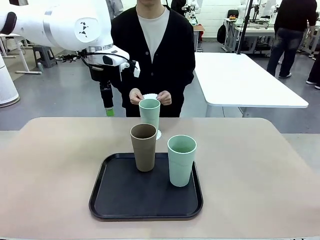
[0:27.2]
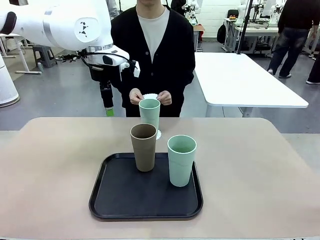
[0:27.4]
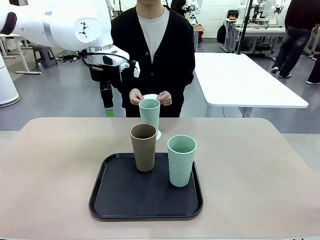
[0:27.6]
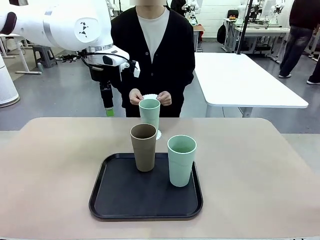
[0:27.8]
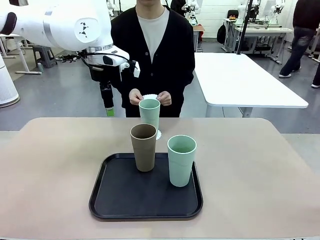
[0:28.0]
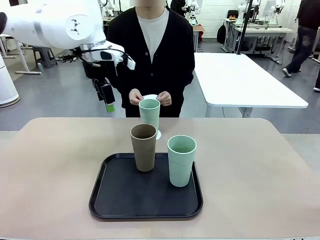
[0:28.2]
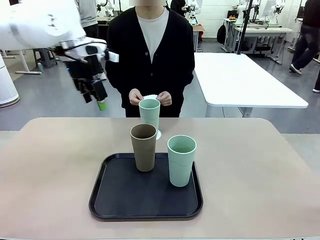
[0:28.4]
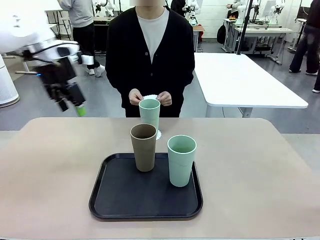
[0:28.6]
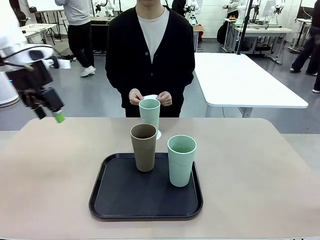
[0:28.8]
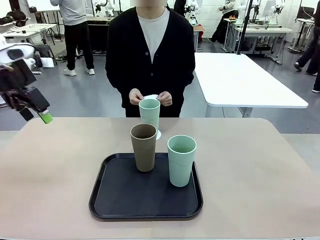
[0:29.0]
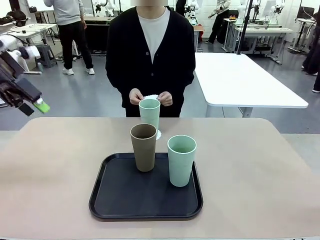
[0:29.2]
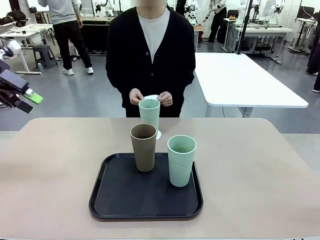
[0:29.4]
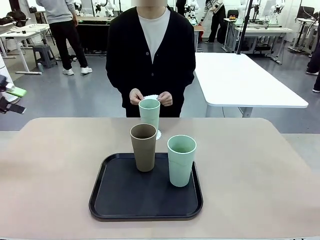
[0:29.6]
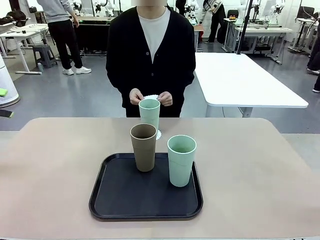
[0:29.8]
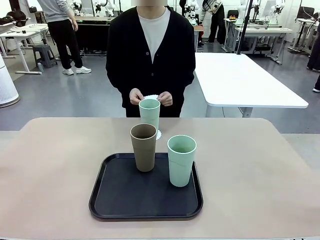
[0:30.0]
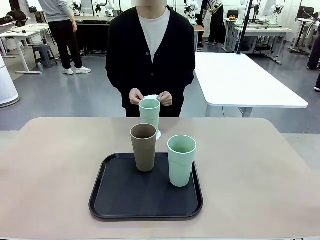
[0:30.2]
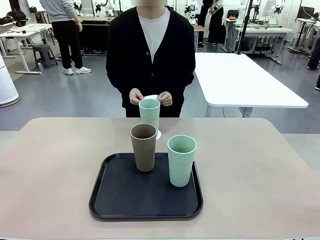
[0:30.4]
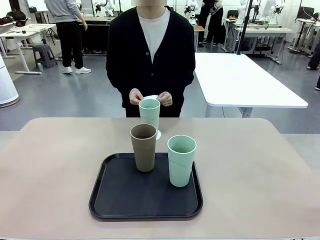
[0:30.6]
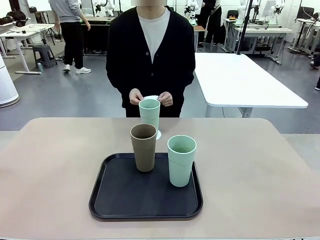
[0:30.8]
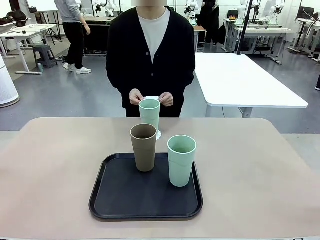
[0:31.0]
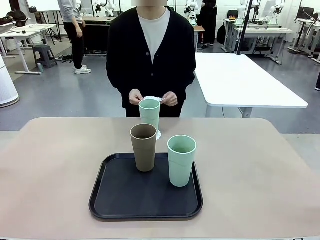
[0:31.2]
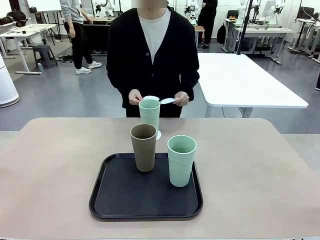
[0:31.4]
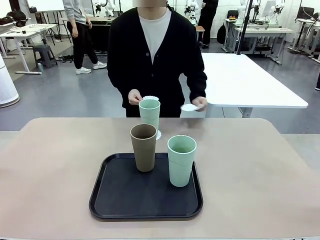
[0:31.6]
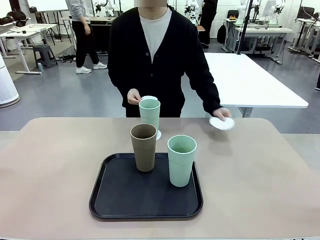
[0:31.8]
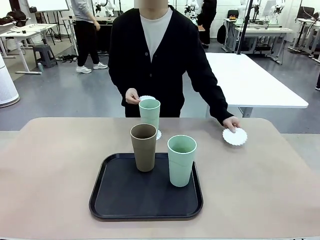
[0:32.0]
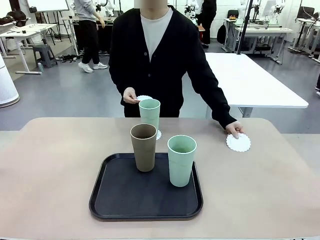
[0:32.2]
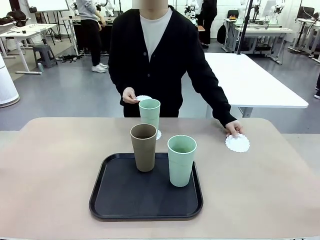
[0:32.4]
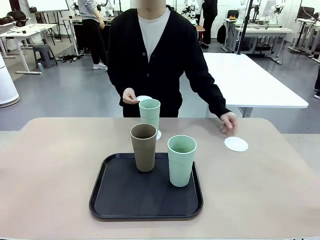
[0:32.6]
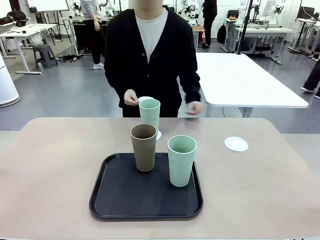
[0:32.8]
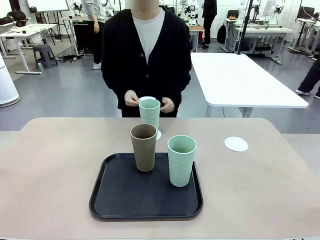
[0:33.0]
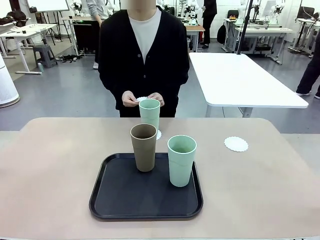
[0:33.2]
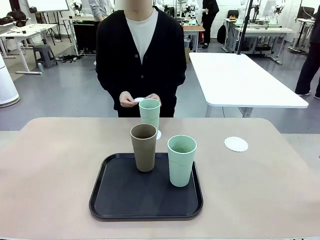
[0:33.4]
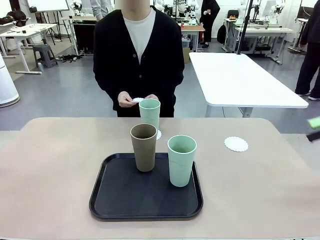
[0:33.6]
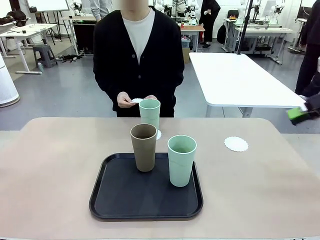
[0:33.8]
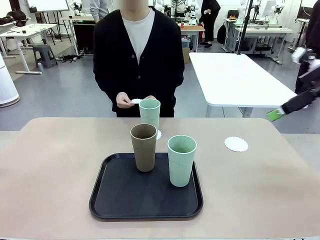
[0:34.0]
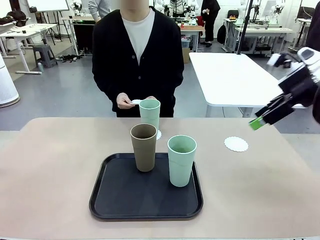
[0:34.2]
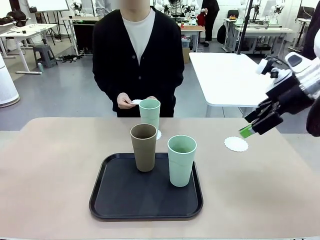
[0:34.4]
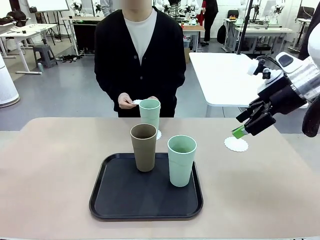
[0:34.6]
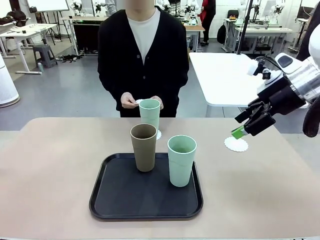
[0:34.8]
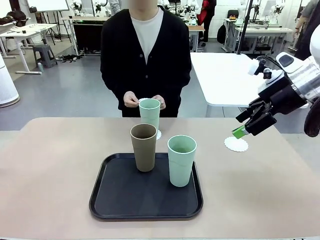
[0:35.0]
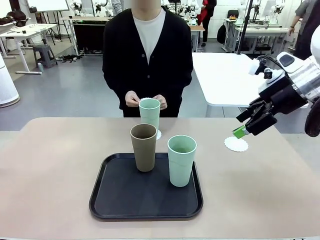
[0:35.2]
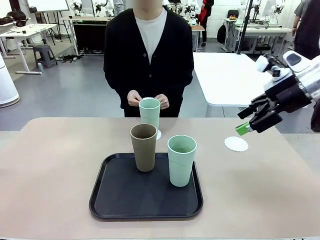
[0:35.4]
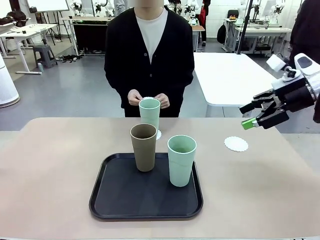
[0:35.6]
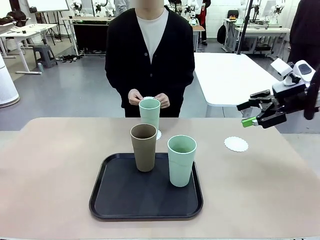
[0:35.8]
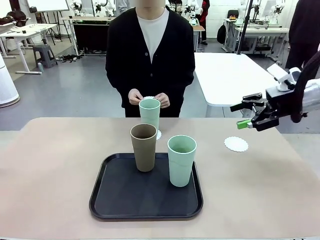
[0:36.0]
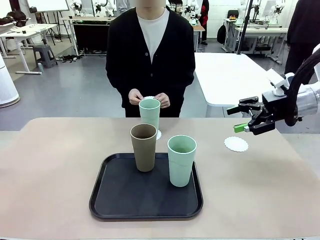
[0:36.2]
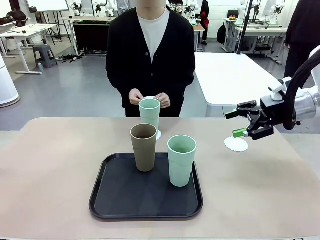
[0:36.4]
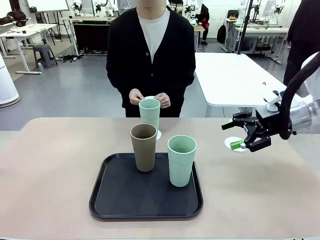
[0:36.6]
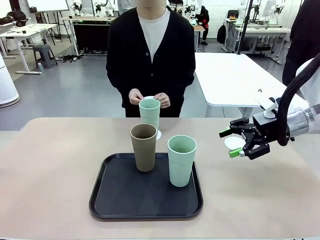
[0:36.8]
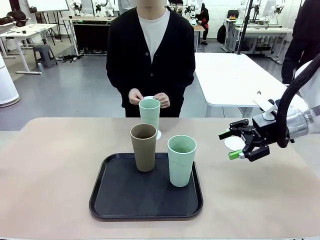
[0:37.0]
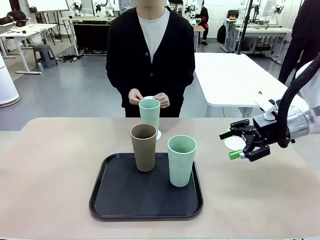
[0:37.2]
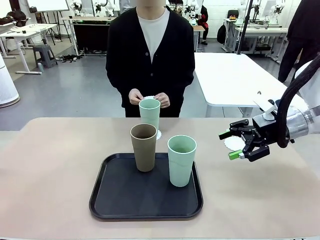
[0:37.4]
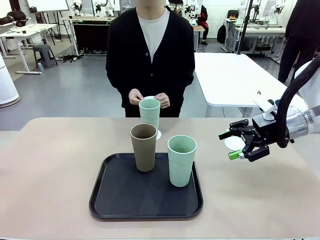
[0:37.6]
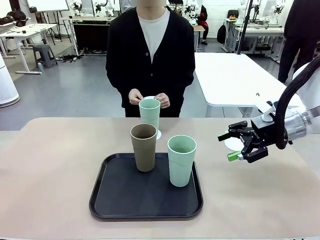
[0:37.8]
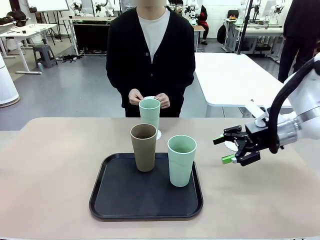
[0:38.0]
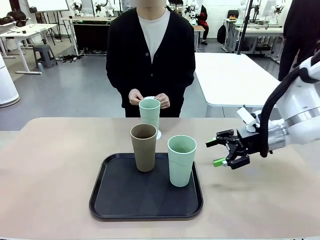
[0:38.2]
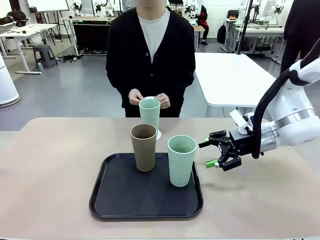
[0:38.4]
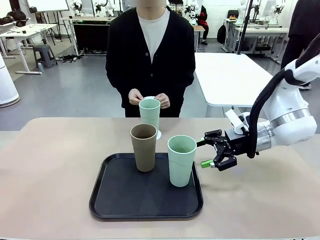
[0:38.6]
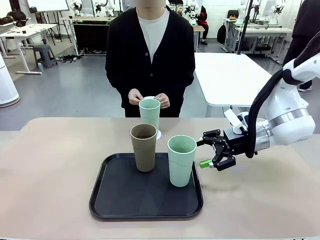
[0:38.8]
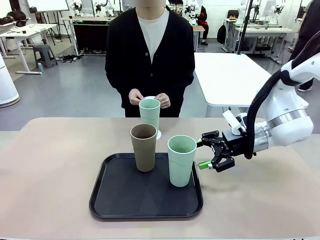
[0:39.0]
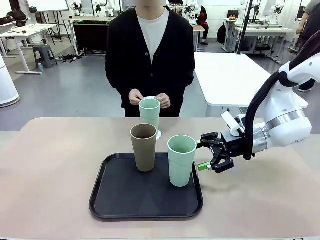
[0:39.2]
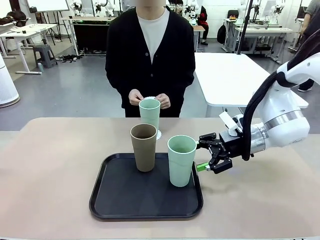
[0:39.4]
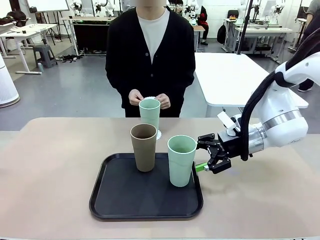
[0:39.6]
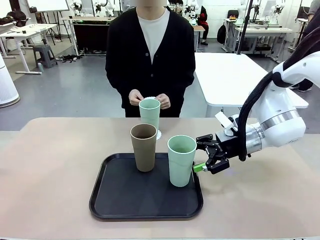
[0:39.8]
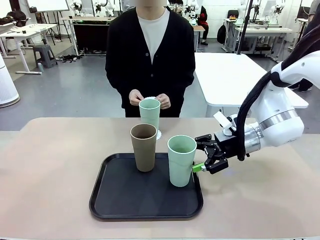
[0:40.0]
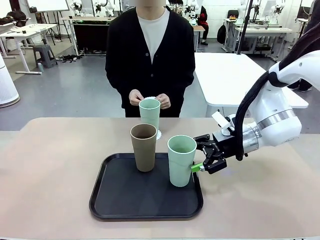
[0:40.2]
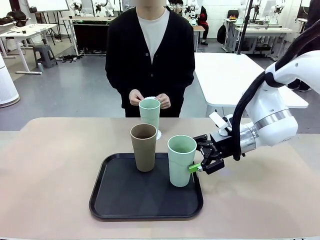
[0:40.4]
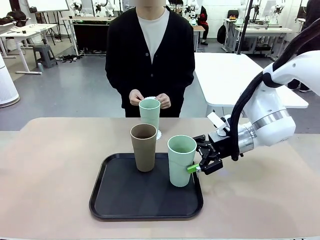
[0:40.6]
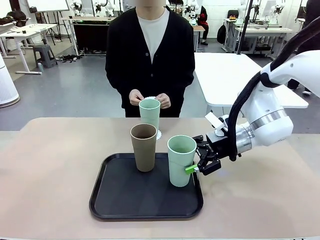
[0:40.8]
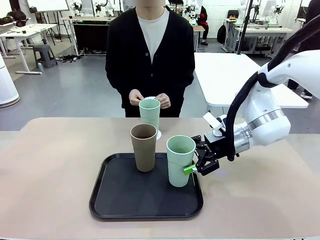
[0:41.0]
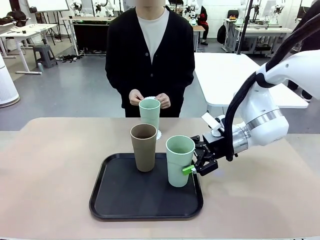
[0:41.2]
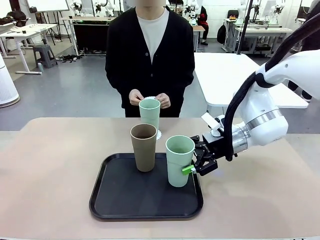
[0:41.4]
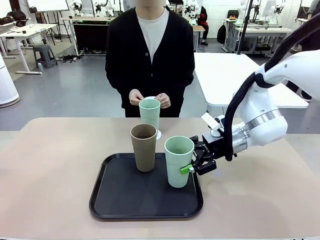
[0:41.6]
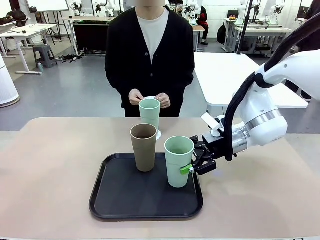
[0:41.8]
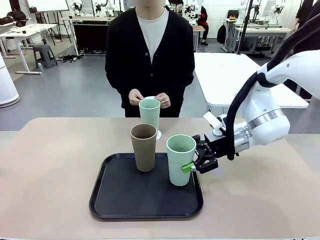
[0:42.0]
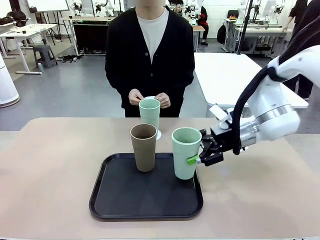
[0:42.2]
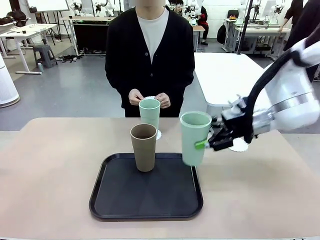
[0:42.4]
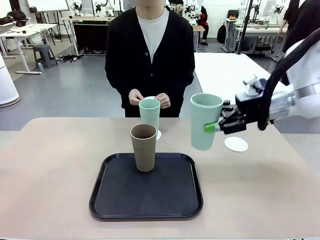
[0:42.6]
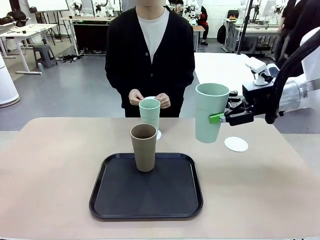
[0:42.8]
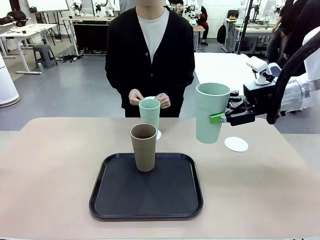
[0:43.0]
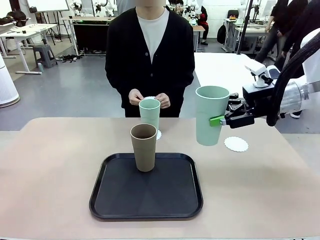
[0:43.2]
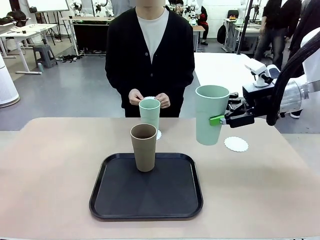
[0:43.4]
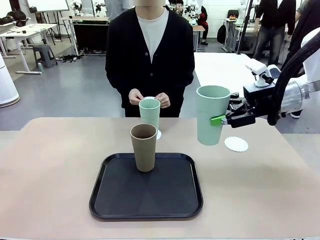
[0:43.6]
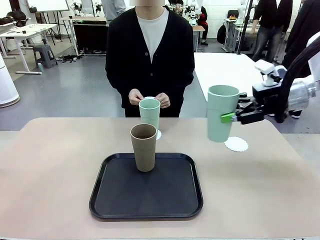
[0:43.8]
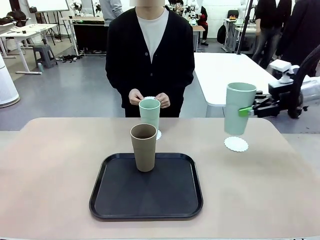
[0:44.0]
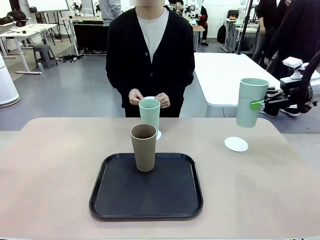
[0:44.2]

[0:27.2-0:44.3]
Task: Place coasters on the table and set cups on them.
Robot: Take one Reusable plastic cup from the Flat Tray and place it on a coaster set by the human.
